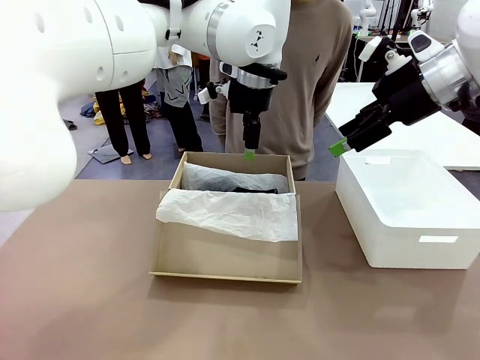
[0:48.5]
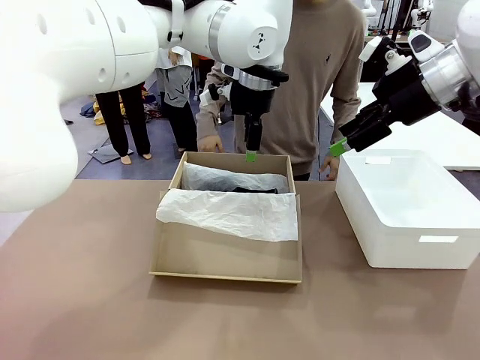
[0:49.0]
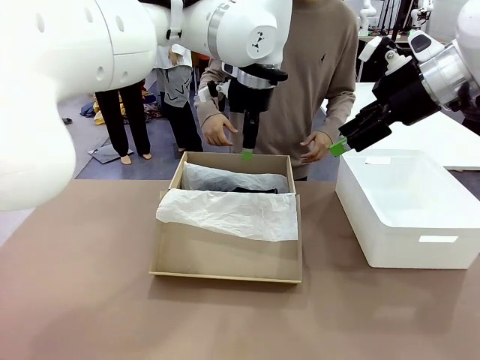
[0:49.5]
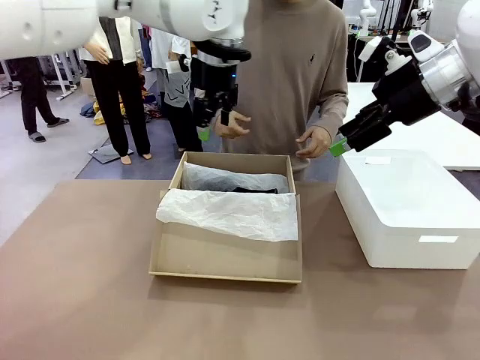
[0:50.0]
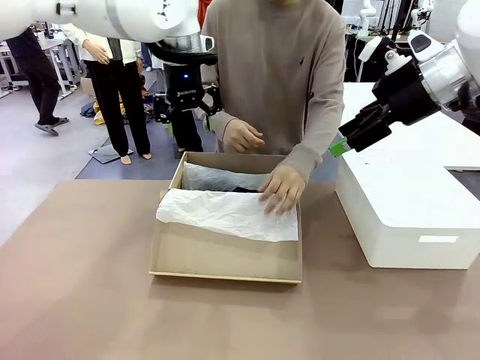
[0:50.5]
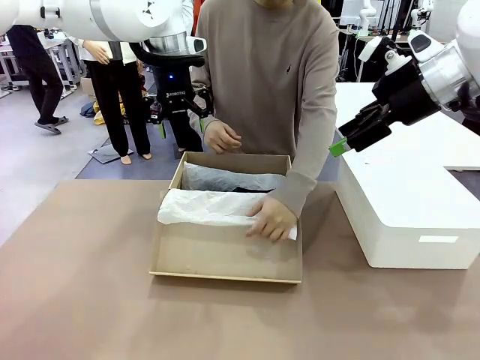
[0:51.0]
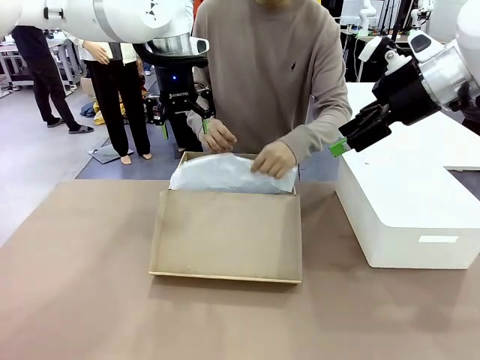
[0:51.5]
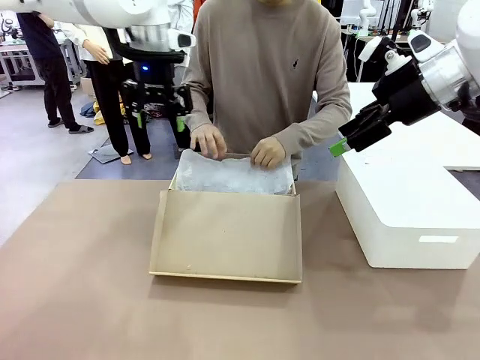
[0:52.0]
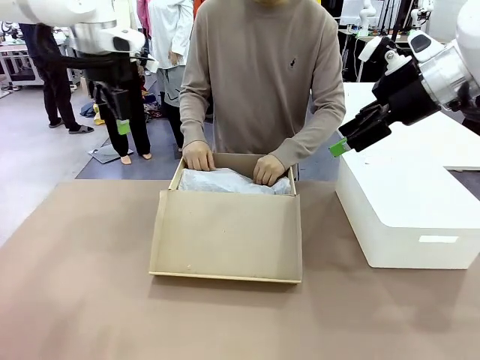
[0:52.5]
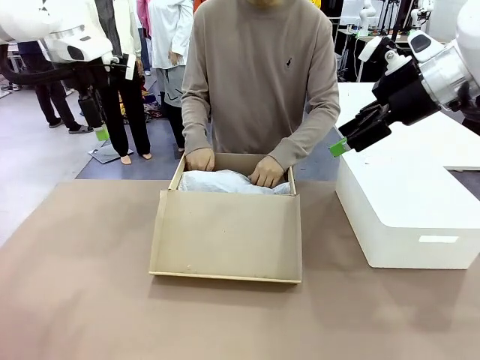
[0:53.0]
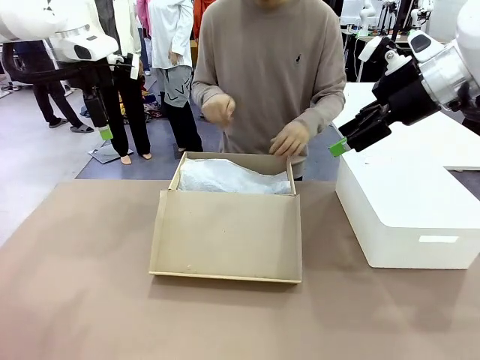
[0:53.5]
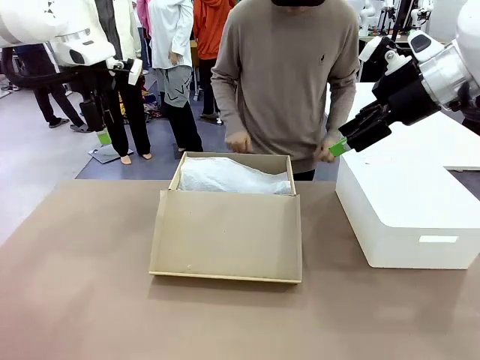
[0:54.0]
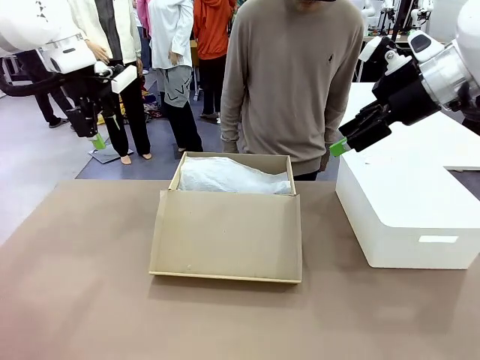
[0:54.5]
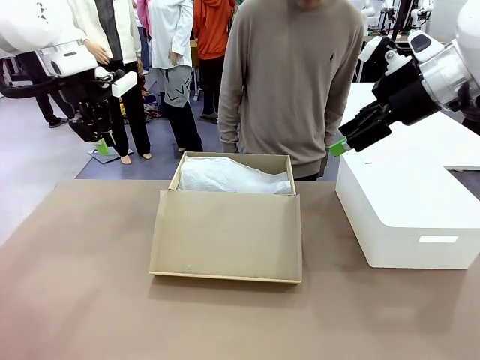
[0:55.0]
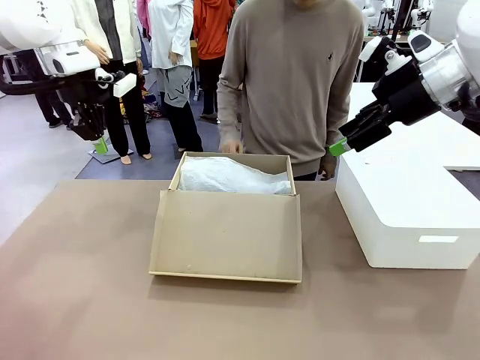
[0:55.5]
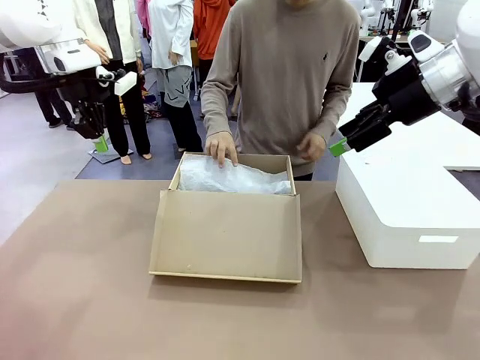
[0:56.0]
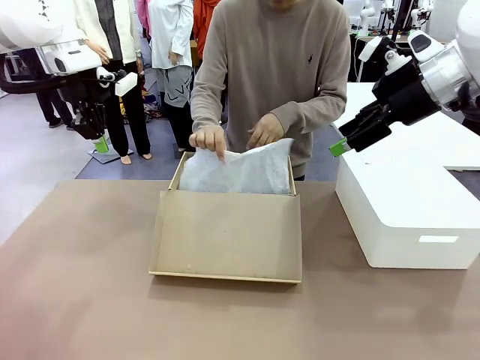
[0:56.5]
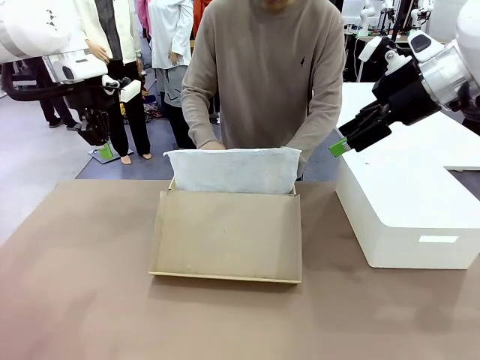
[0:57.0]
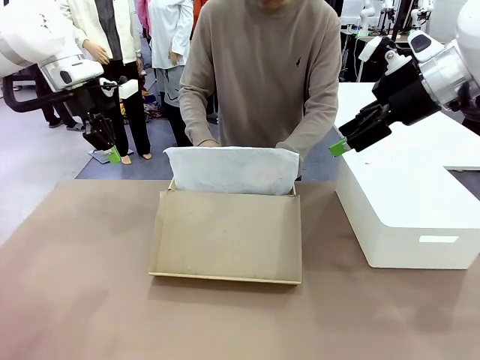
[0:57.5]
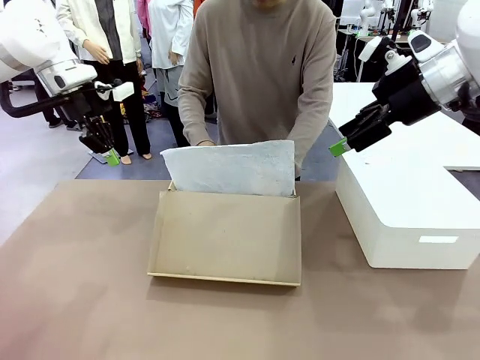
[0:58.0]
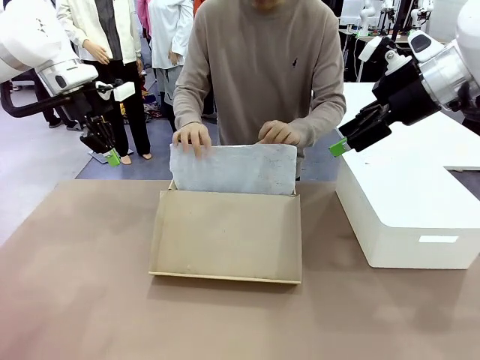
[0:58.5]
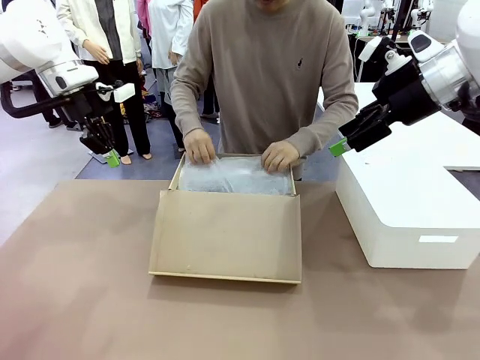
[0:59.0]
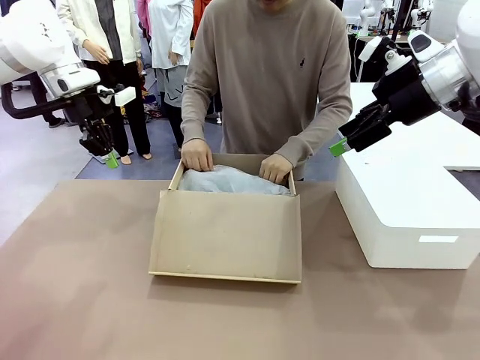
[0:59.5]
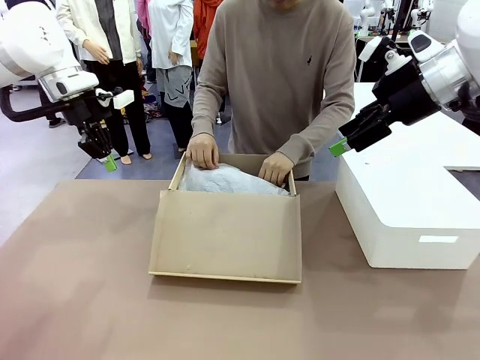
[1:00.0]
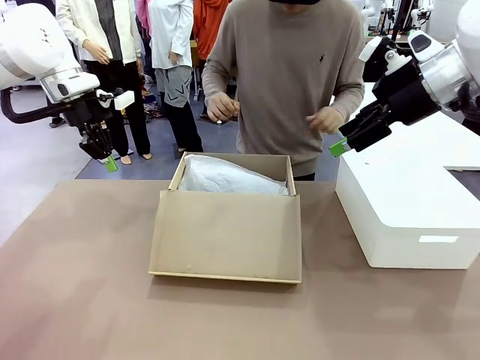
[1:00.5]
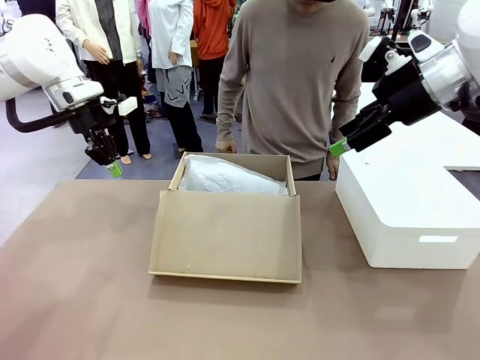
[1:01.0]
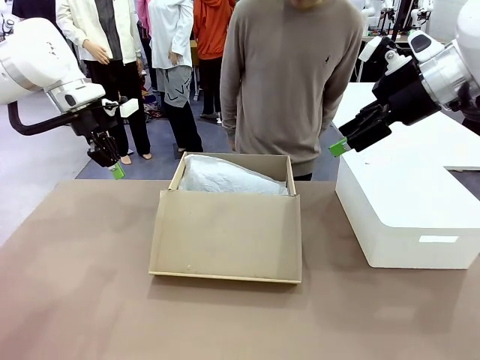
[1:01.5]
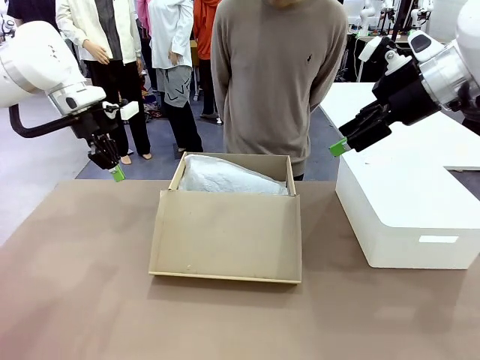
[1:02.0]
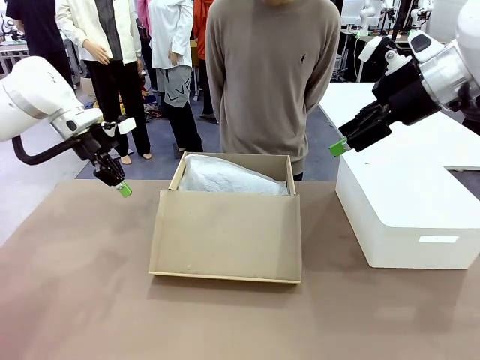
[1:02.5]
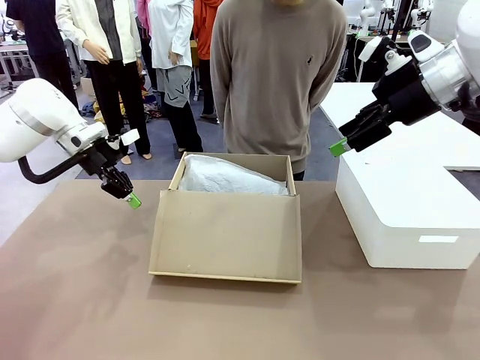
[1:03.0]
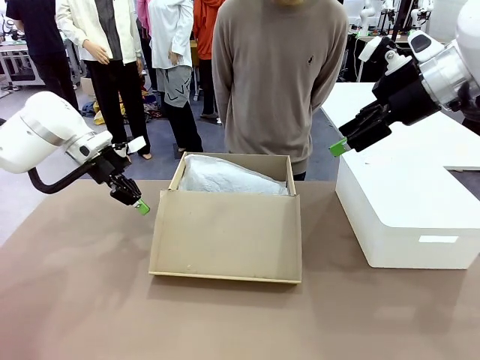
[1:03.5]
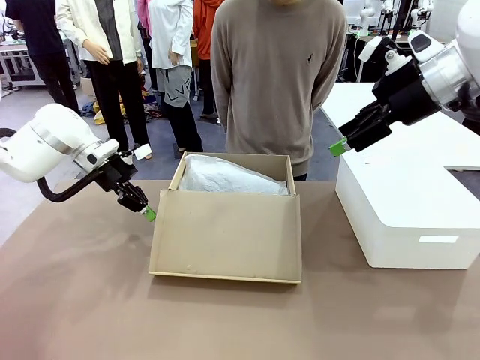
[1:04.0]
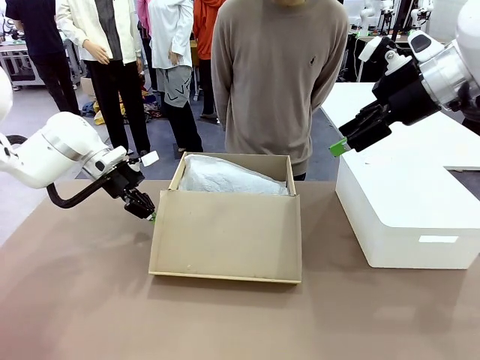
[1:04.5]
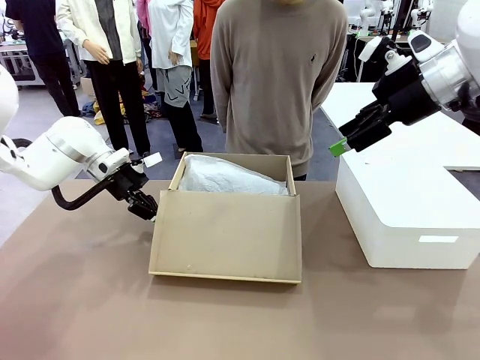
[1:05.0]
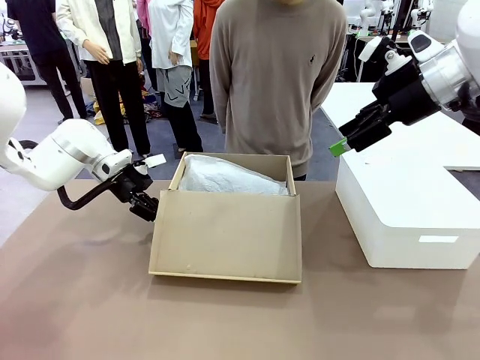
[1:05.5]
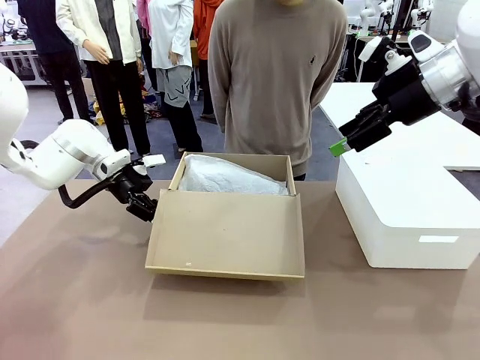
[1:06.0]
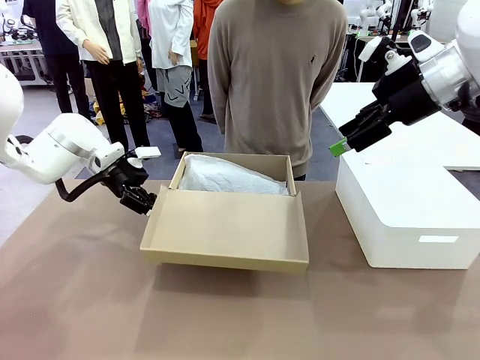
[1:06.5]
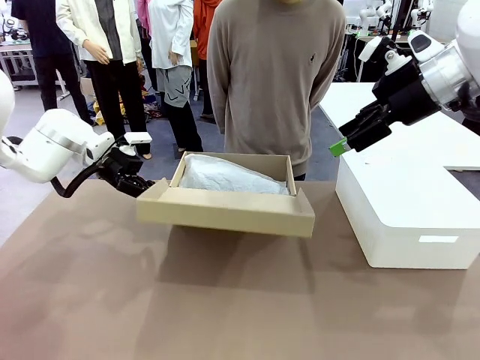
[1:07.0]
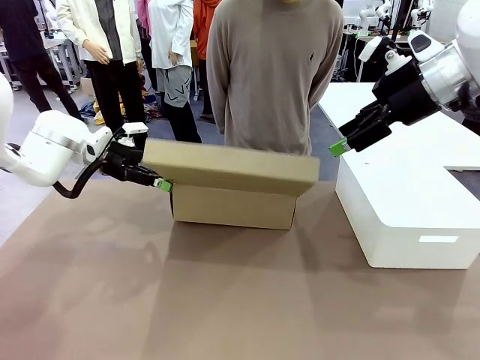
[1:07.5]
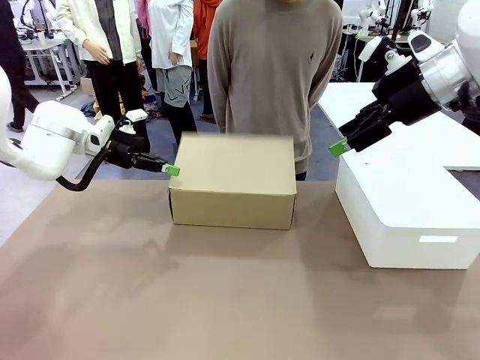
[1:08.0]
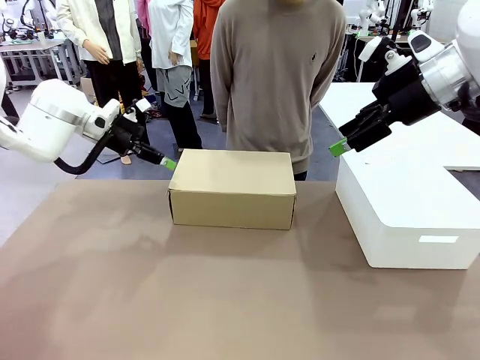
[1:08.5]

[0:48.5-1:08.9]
Task: Pack the shoes into the box.
Robot: Close the Shoes Box.

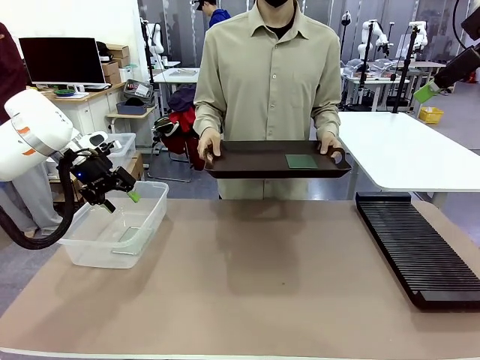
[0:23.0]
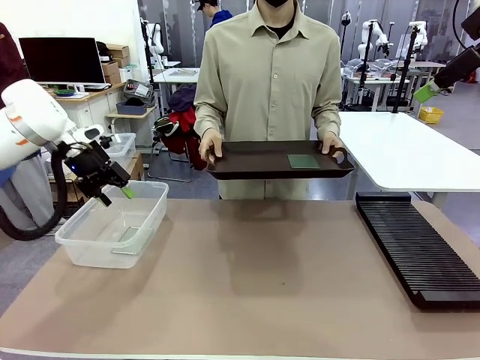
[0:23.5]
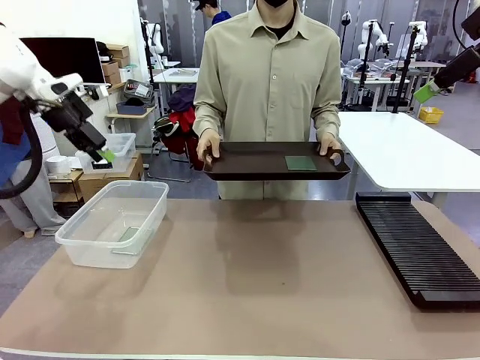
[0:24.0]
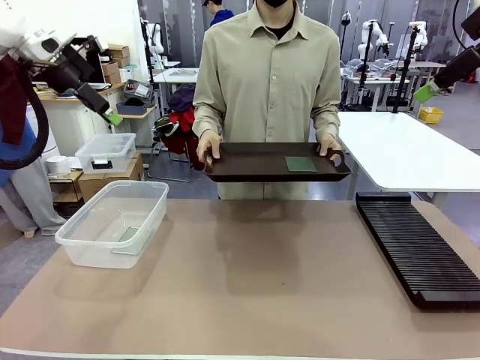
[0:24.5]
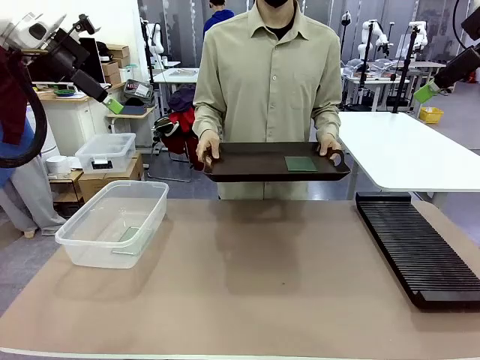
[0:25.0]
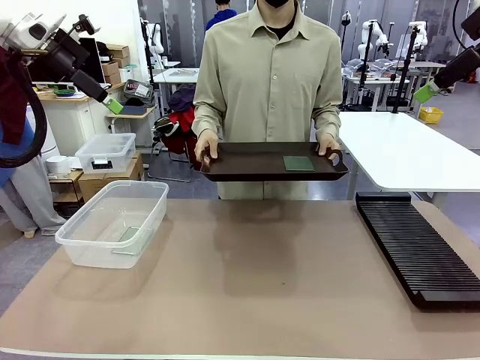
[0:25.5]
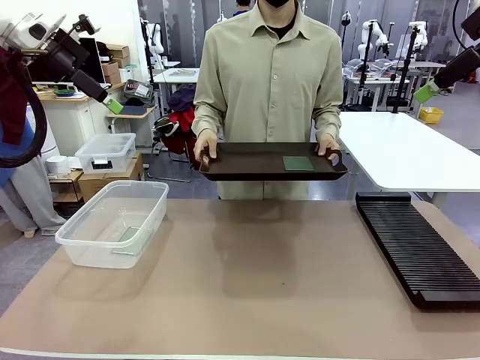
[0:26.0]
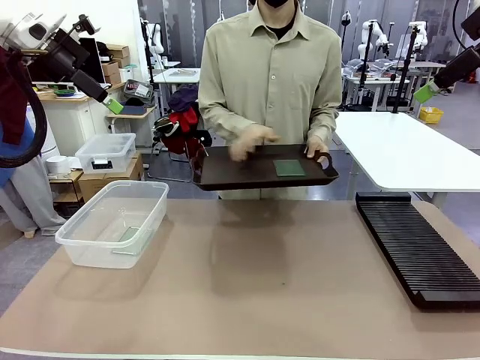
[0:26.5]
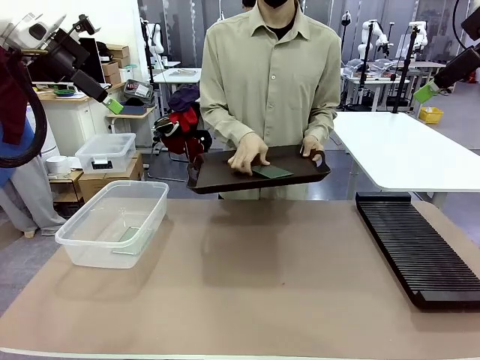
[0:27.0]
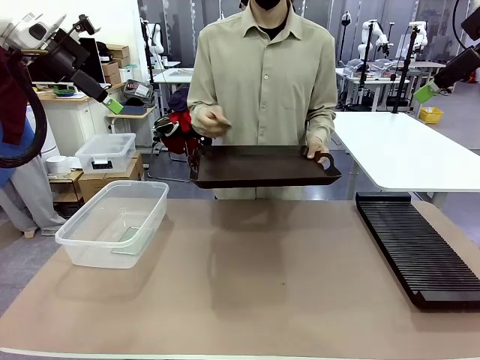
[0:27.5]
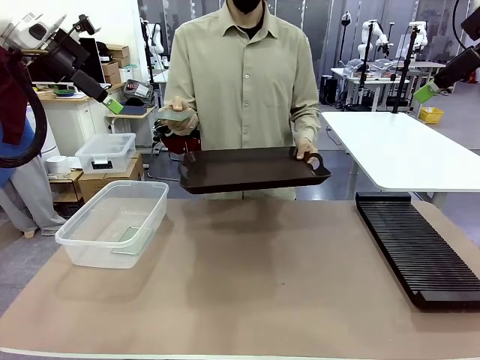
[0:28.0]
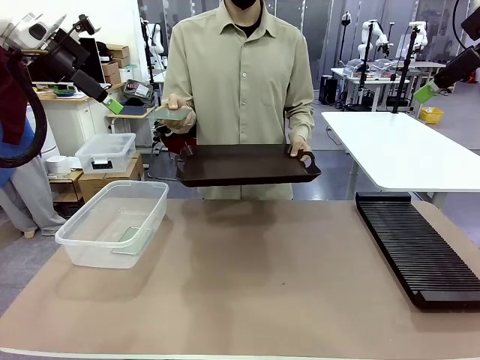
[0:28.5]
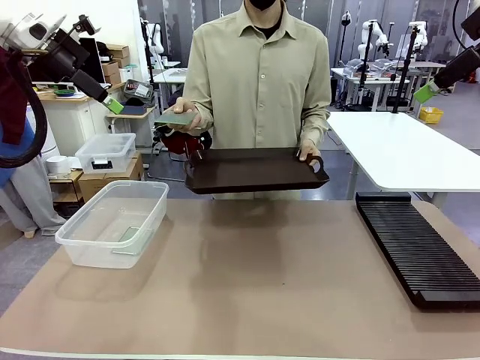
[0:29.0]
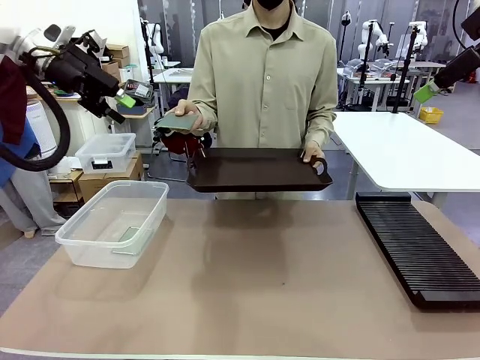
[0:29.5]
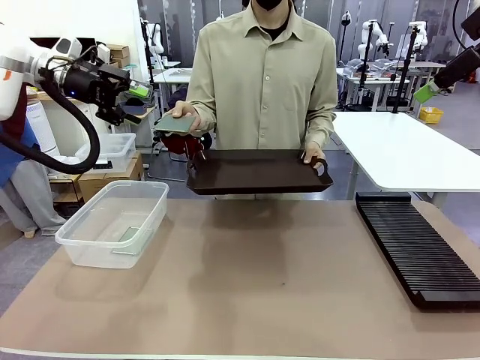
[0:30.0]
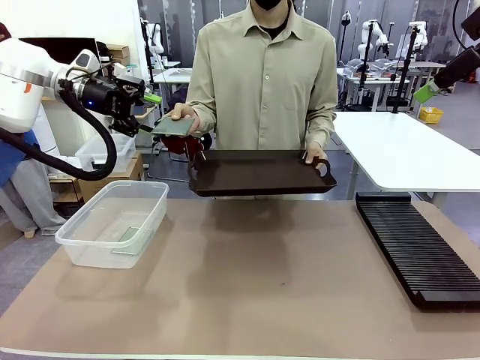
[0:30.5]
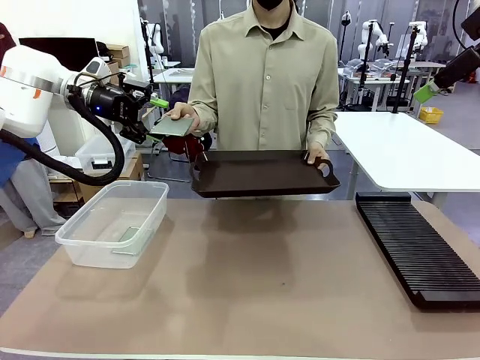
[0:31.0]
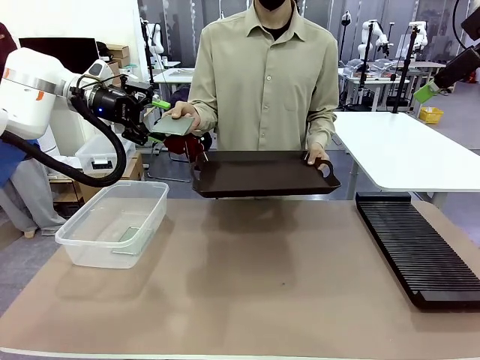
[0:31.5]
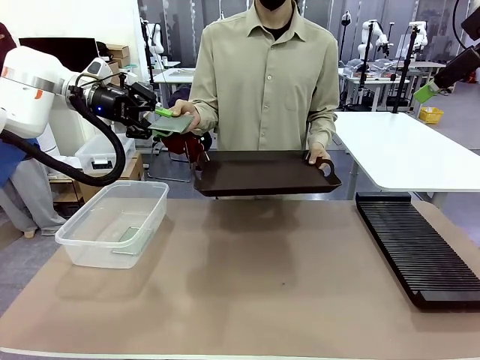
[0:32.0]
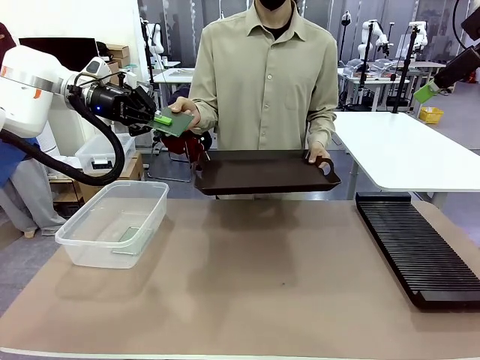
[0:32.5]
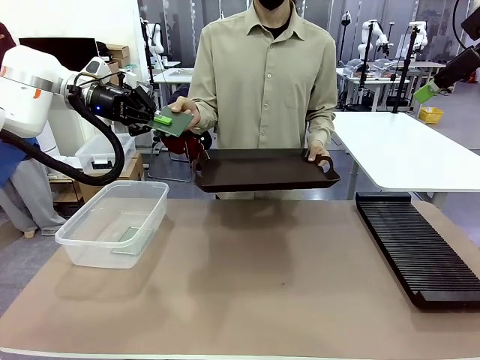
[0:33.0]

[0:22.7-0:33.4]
Task: Sort PCBs into racks and boxes based on the side picked up.
Robot: Pick up the Blank PCB handed by the Human.
